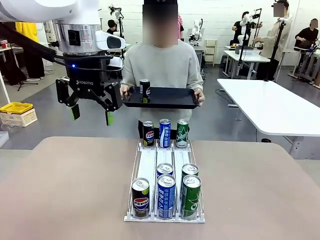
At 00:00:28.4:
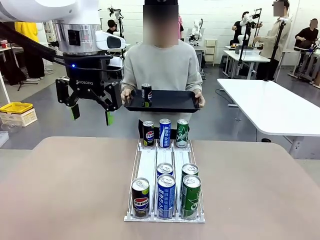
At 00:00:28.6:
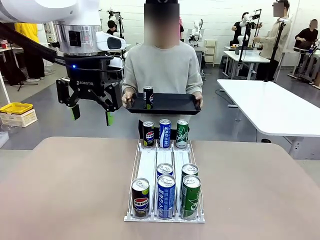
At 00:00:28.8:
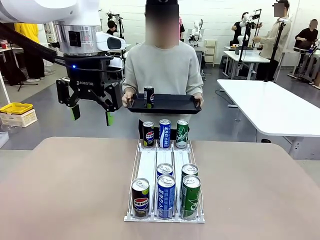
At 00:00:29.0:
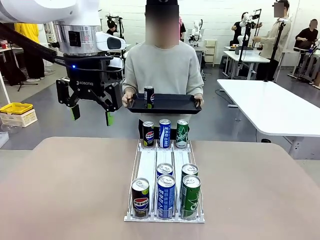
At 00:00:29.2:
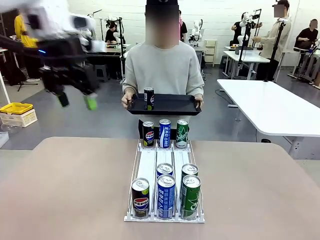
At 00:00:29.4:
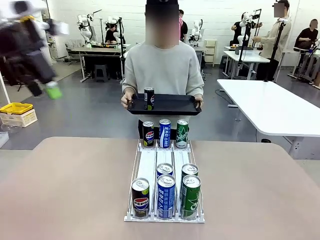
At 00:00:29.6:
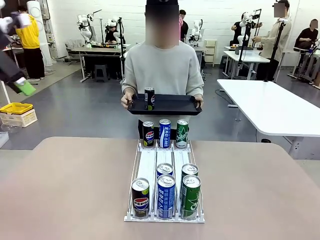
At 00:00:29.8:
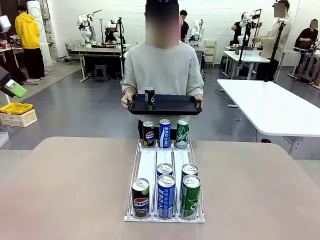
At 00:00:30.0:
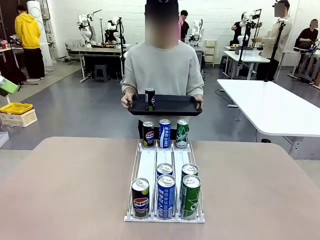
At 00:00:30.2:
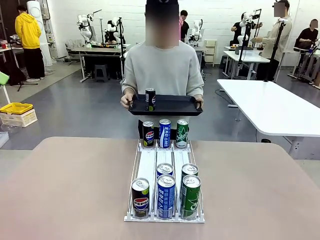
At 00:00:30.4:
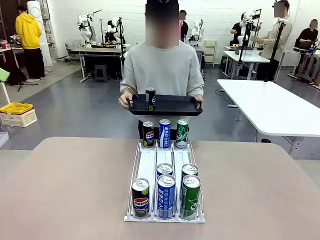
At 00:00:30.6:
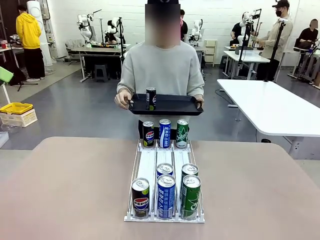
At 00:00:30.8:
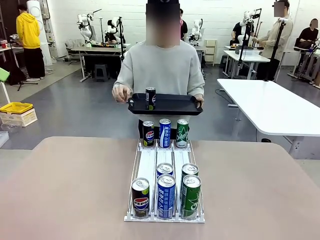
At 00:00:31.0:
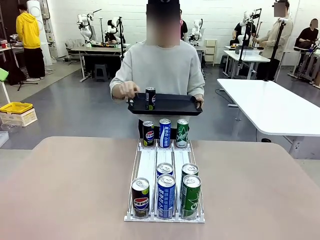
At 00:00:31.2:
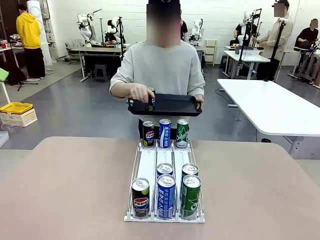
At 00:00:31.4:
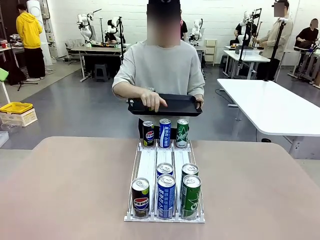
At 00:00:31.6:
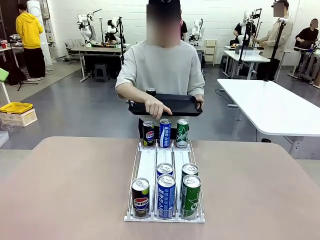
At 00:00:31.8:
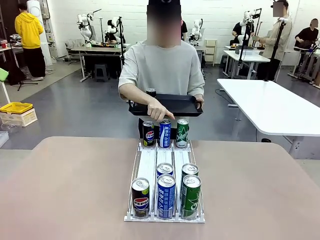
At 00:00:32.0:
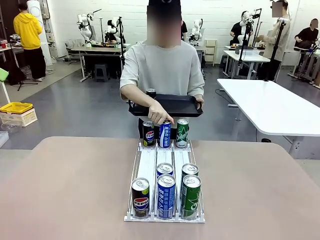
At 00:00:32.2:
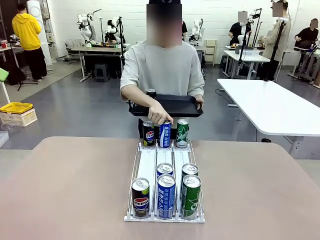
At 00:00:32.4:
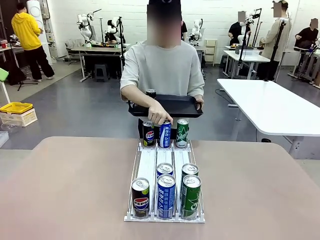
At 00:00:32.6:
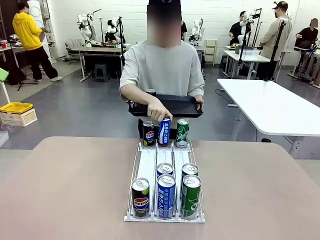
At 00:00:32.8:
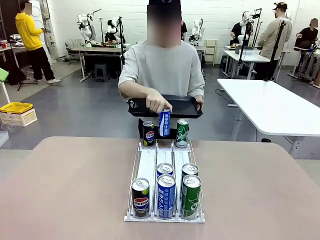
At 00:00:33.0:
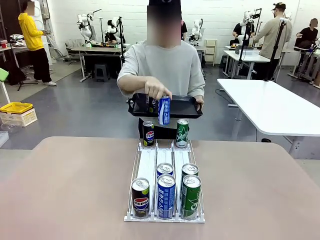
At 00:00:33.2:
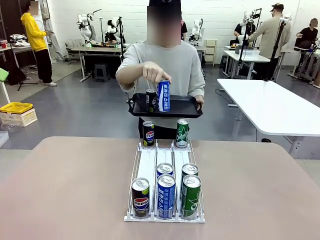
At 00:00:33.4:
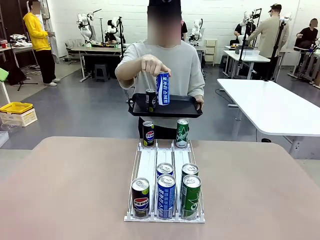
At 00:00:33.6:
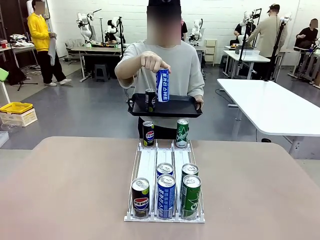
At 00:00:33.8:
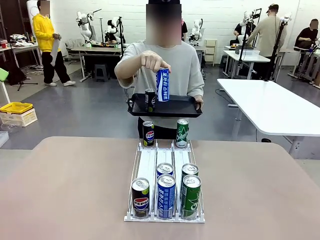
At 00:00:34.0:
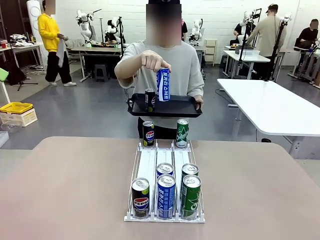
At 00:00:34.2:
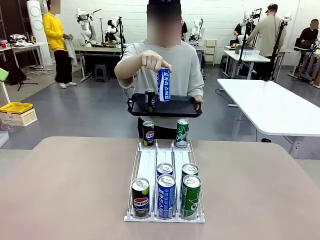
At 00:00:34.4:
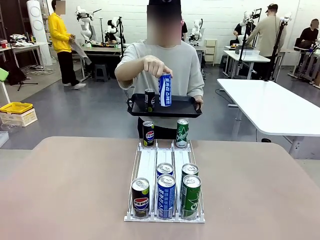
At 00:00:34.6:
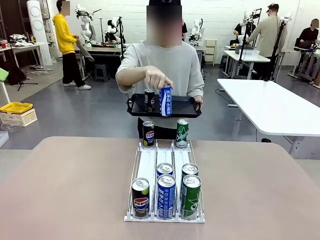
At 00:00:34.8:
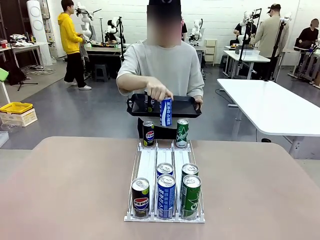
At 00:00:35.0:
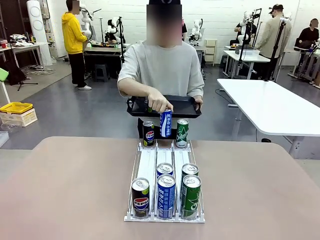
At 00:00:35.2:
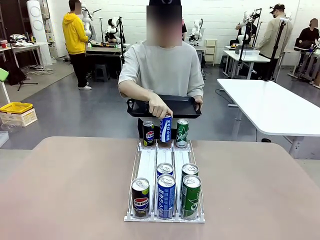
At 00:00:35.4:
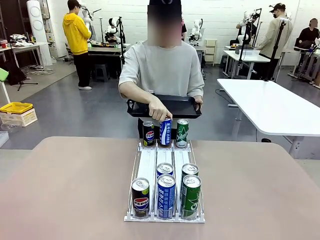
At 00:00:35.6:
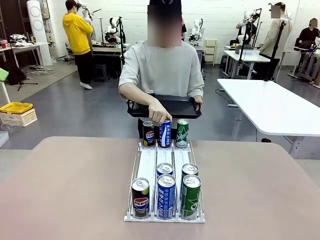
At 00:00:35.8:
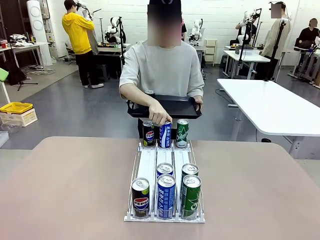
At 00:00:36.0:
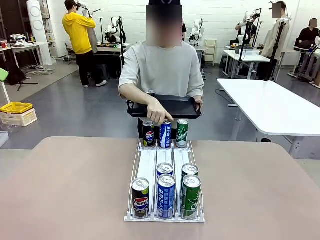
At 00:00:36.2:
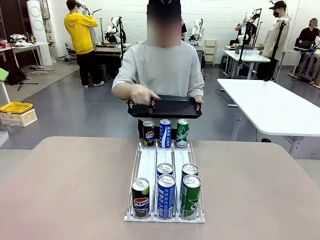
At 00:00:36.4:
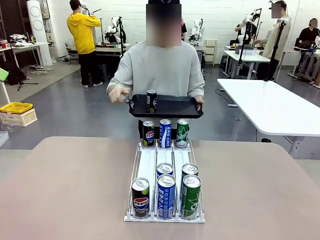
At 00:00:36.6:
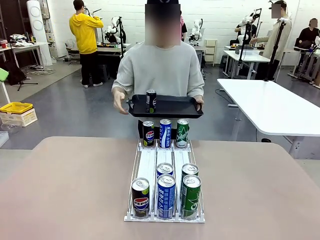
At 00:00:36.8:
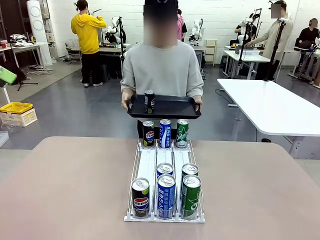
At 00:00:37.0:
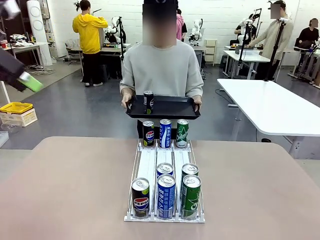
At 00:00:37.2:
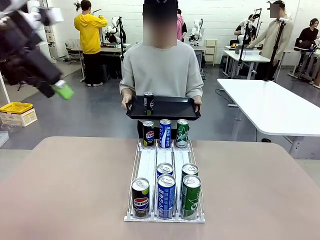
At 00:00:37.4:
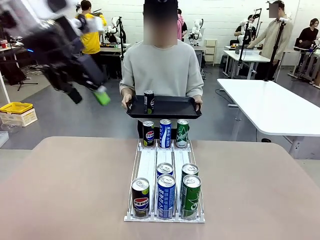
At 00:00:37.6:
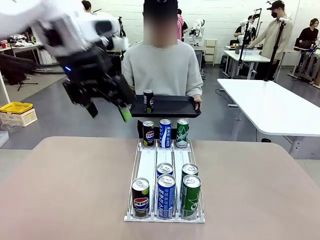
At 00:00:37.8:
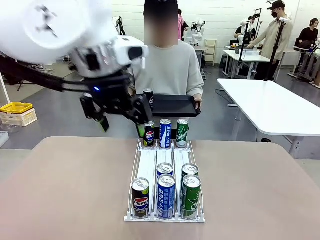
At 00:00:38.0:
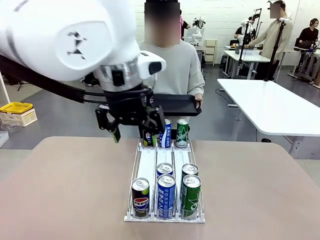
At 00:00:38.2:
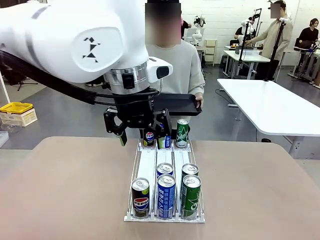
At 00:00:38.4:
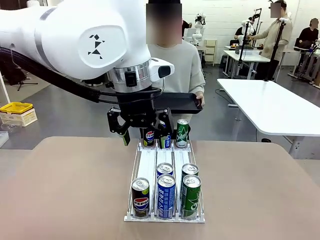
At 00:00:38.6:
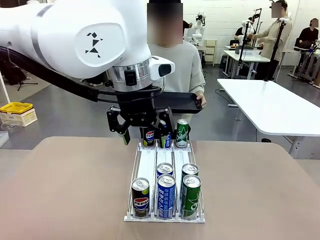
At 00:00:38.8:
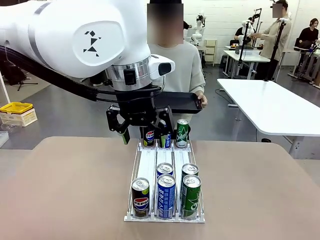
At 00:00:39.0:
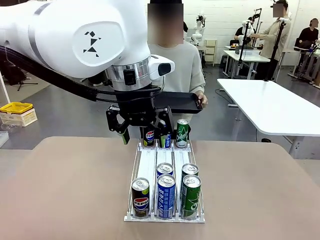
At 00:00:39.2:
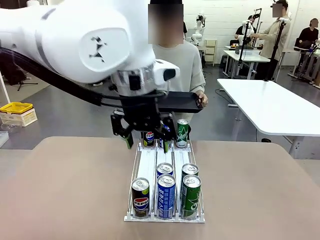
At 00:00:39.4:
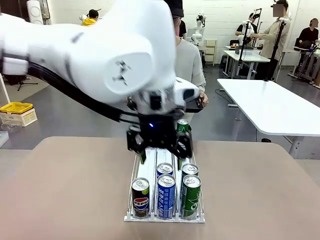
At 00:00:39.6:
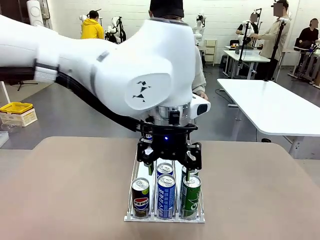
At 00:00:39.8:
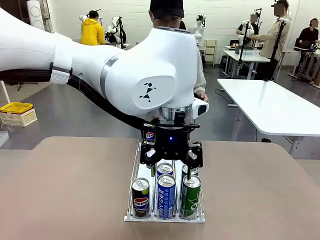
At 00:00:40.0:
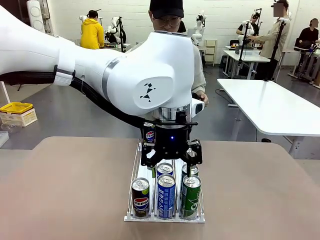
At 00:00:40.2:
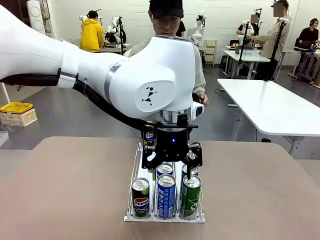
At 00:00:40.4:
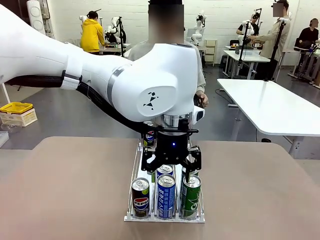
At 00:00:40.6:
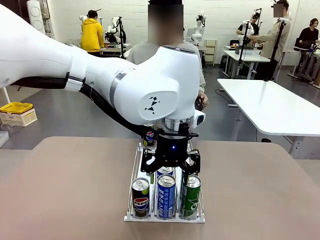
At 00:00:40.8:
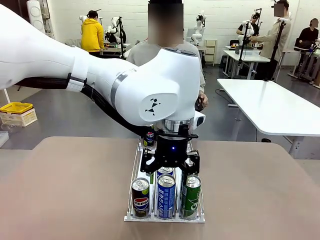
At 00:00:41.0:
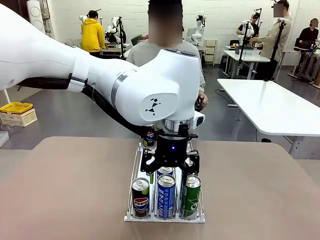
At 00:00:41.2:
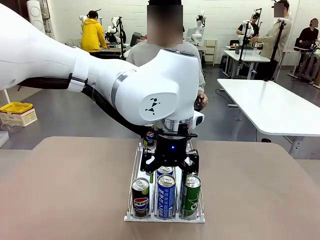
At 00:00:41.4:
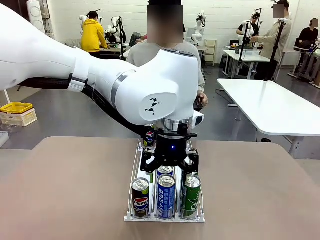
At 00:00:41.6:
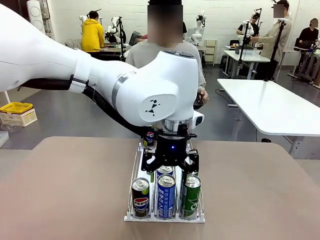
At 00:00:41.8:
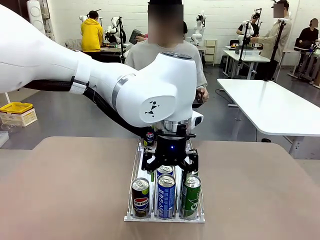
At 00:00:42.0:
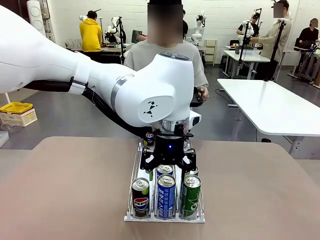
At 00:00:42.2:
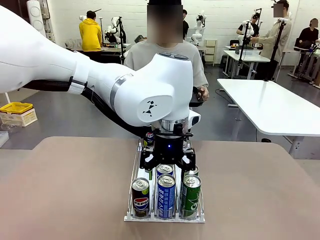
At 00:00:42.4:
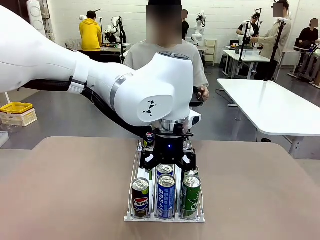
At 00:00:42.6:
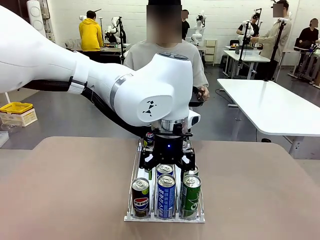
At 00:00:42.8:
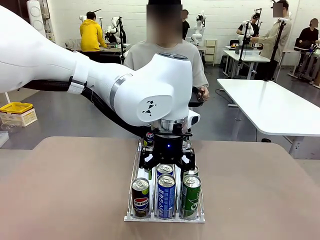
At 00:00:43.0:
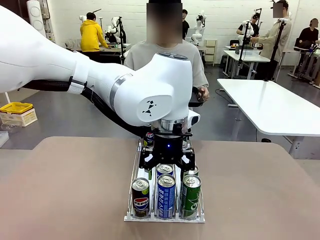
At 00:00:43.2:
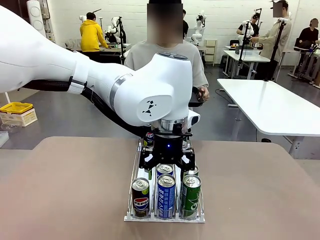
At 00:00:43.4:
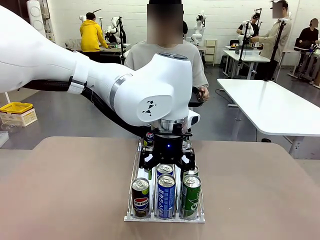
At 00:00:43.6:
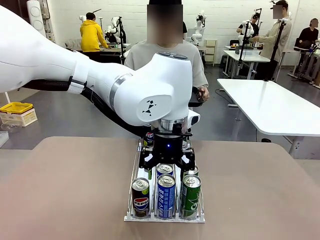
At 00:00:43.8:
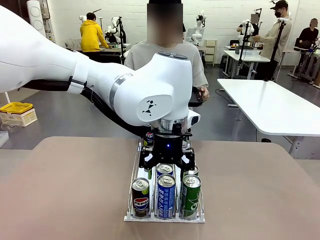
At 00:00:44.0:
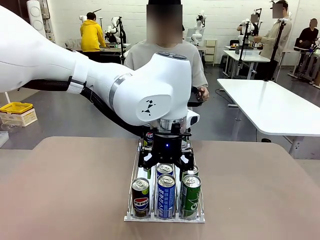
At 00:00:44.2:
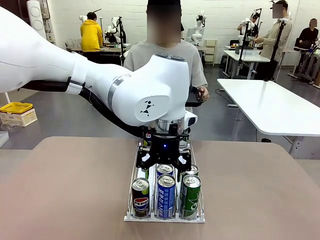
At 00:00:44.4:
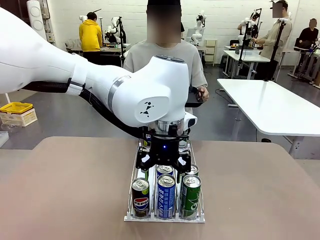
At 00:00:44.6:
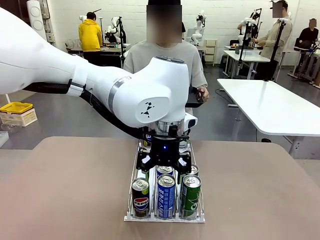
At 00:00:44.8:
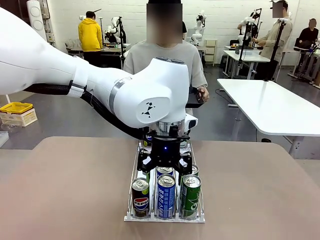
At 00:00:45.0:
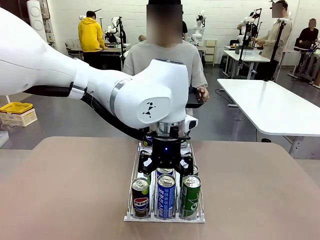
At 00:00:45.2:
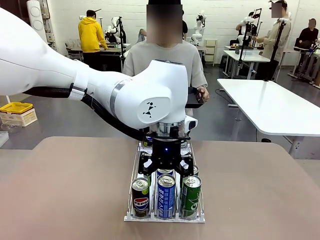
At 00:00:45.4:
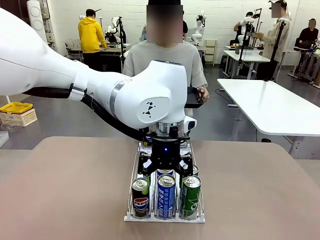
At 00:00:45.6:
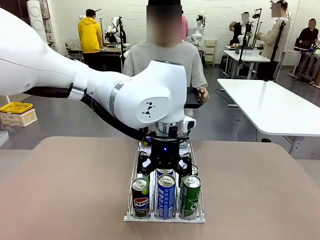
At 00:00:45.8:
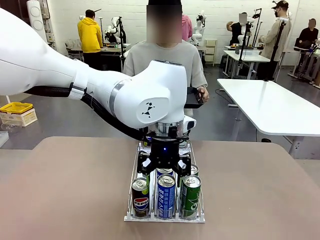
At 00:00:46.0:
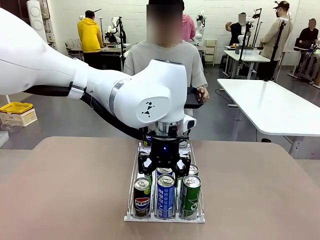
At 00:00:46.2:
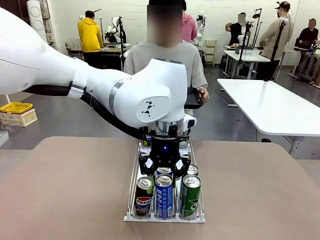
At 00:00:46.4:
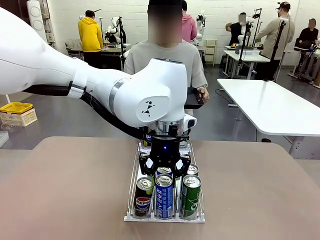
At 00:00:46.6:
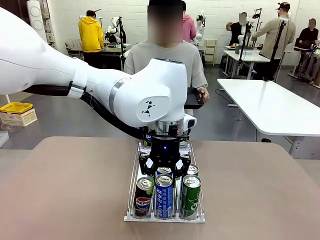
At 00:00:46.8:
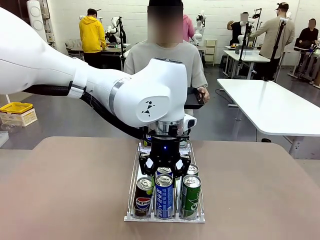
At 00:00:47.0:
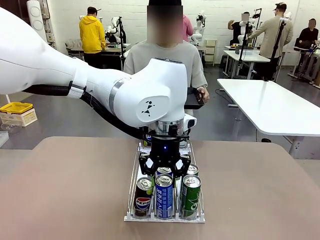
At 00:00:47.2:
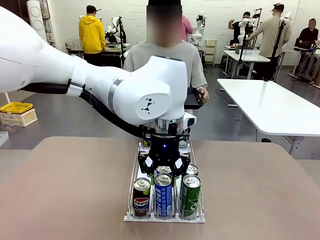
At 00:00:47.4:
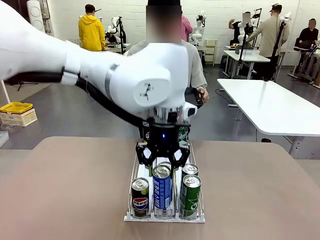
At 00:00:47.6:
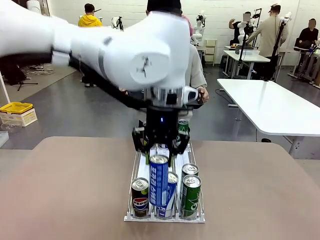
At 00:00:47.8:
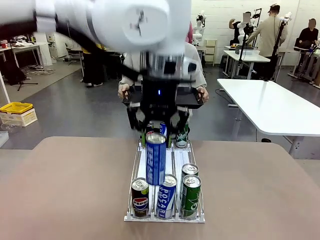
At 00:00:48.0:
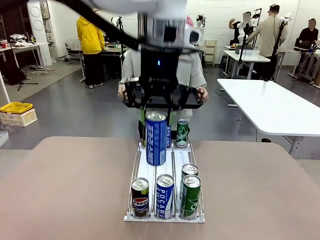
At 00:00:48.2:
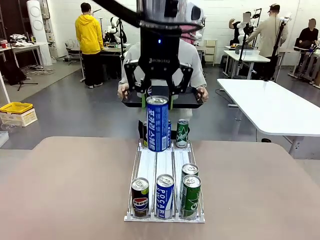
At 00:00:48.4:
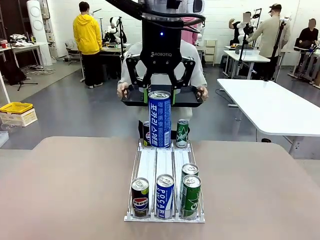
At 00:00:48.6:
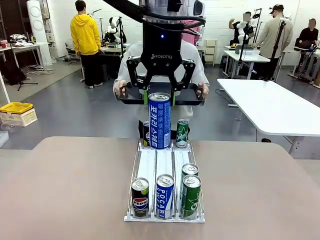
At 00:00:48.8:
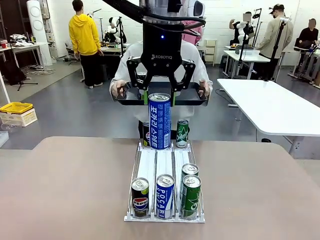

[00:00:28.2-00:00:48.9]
Task: Retrieve and hand over the desired beverage to the person.
Robot: Pick up another can of the same type that the person held from the Automatic Can Dispenser.
Person: Pull the tray back, then pick up another can from the bottom area of the table and puts it back in its original place. Push the tray toward the robot again.
